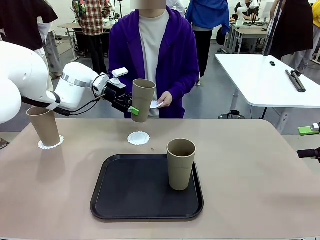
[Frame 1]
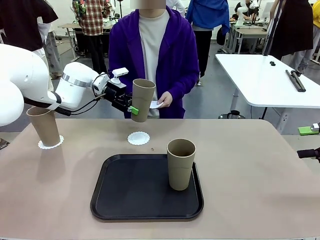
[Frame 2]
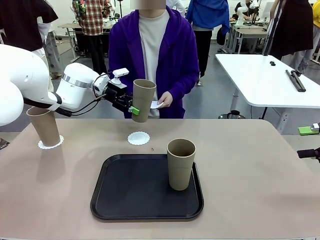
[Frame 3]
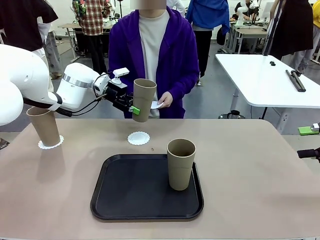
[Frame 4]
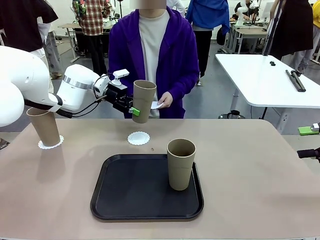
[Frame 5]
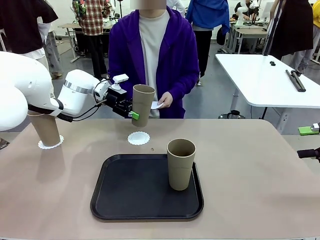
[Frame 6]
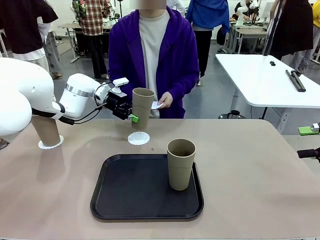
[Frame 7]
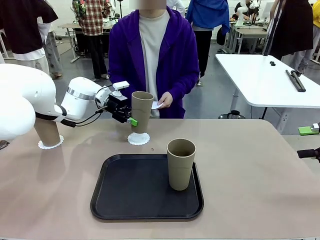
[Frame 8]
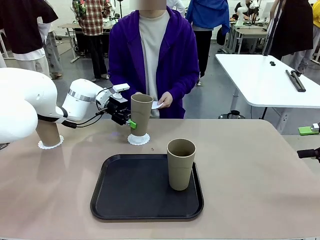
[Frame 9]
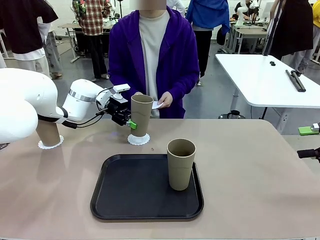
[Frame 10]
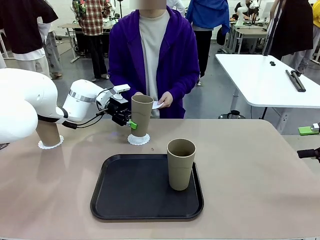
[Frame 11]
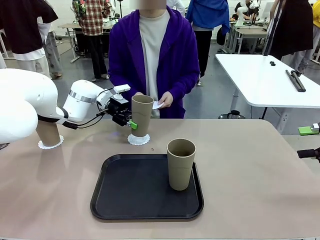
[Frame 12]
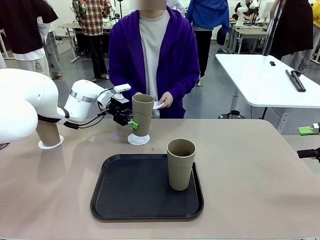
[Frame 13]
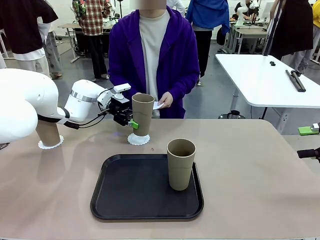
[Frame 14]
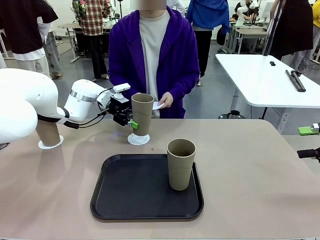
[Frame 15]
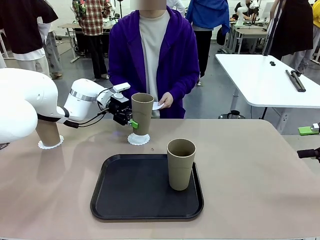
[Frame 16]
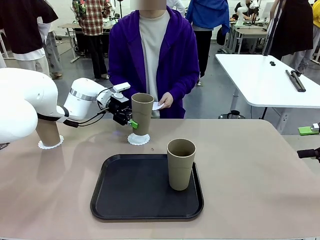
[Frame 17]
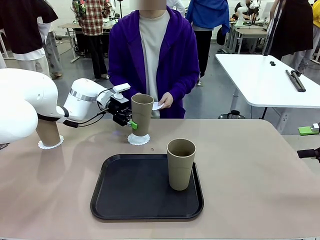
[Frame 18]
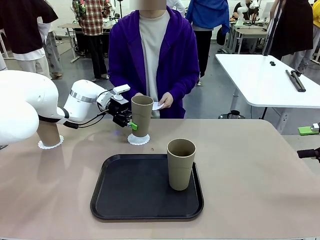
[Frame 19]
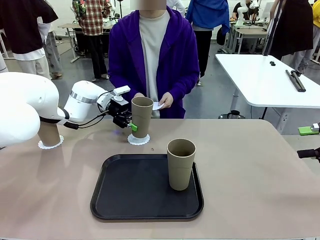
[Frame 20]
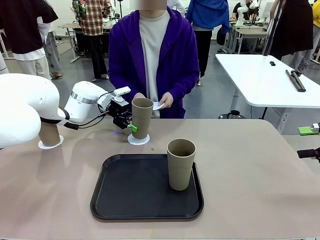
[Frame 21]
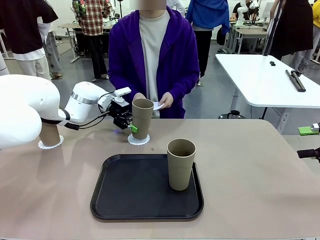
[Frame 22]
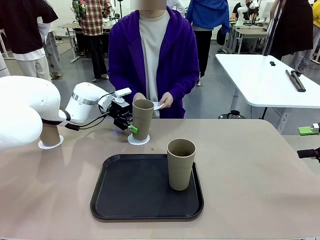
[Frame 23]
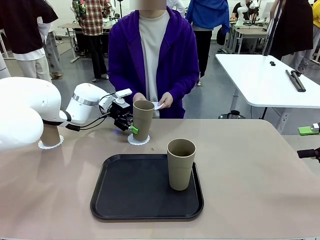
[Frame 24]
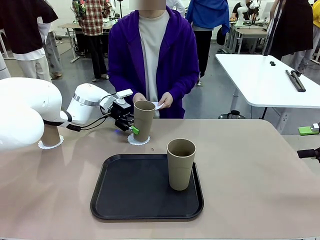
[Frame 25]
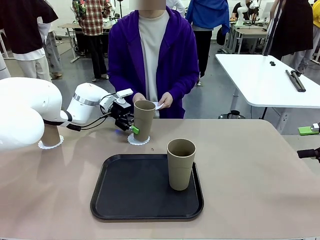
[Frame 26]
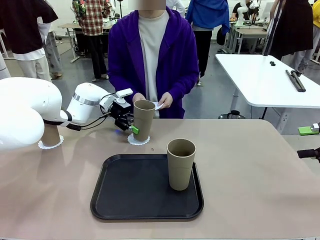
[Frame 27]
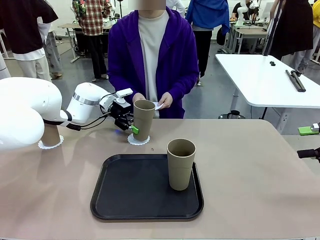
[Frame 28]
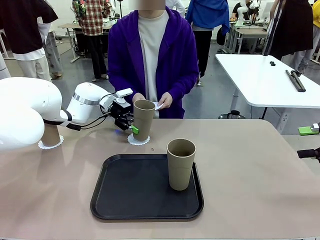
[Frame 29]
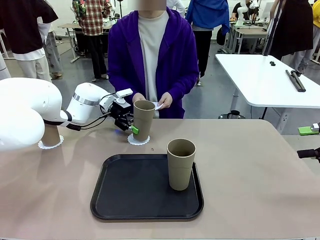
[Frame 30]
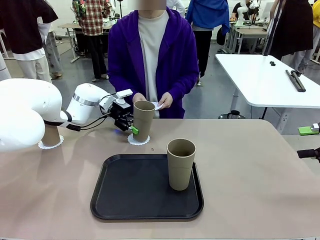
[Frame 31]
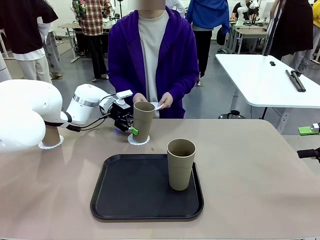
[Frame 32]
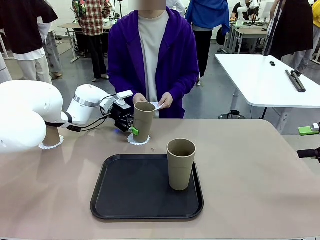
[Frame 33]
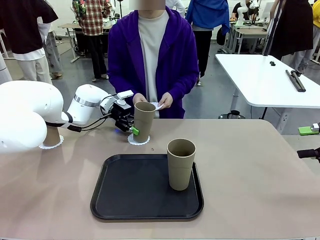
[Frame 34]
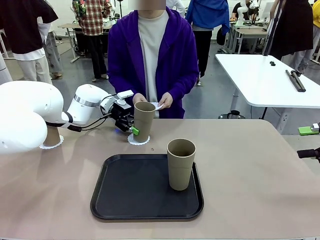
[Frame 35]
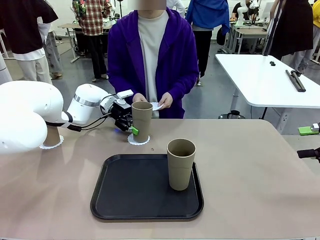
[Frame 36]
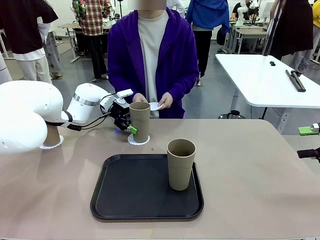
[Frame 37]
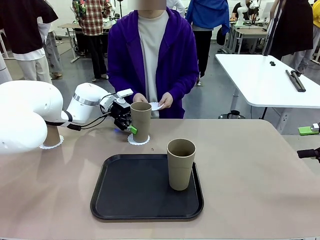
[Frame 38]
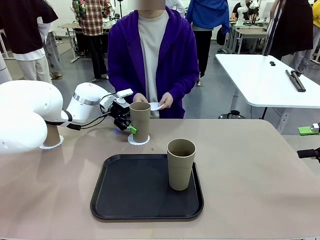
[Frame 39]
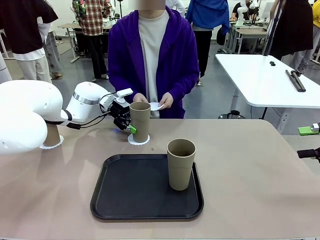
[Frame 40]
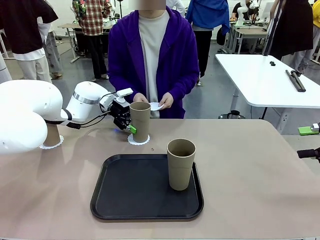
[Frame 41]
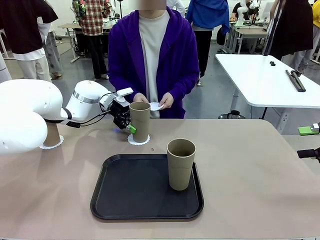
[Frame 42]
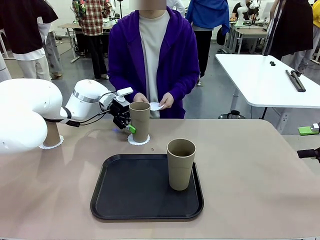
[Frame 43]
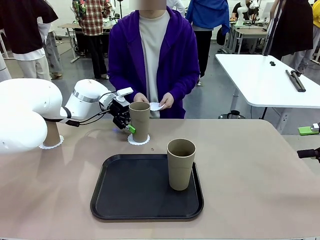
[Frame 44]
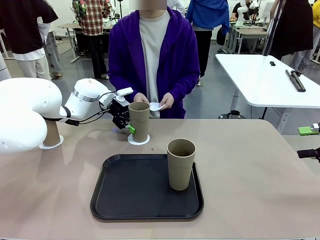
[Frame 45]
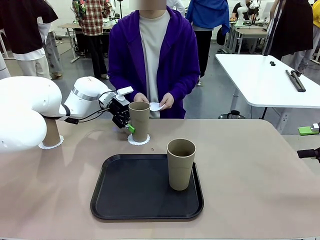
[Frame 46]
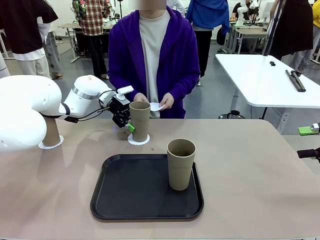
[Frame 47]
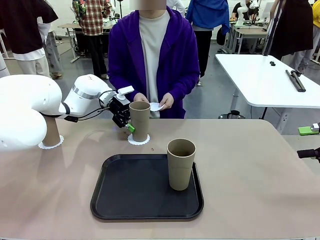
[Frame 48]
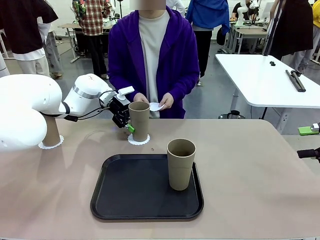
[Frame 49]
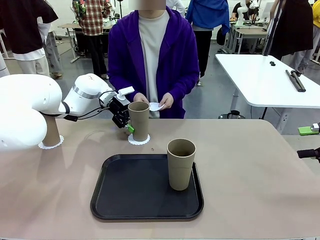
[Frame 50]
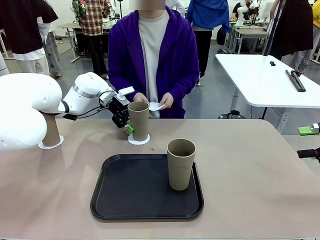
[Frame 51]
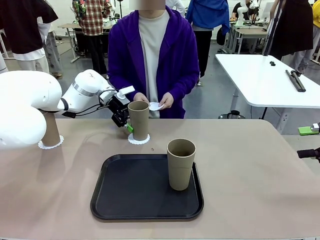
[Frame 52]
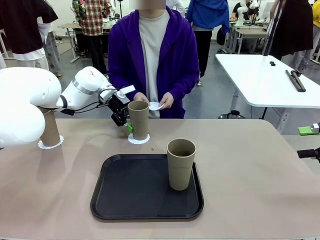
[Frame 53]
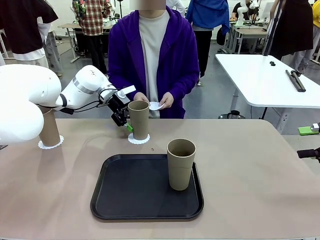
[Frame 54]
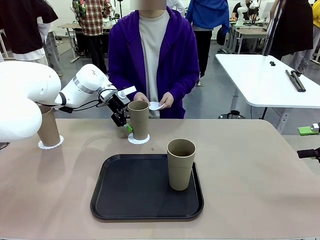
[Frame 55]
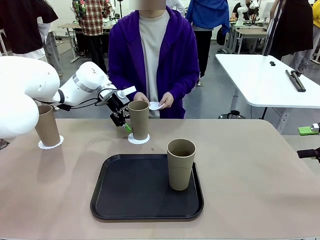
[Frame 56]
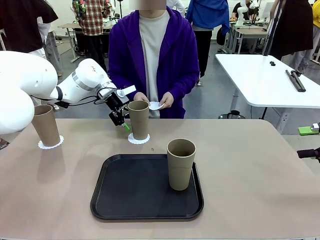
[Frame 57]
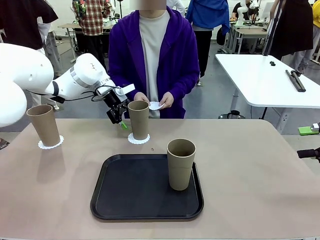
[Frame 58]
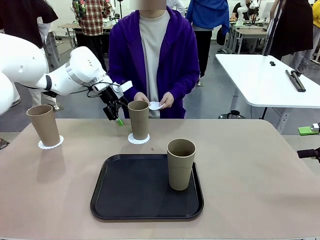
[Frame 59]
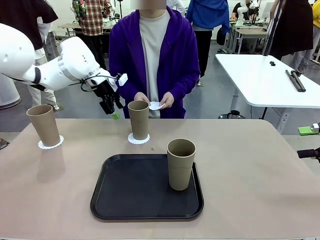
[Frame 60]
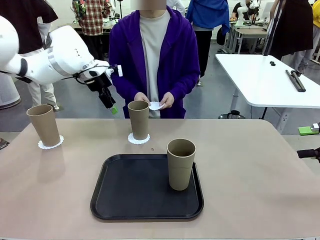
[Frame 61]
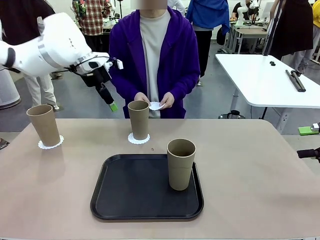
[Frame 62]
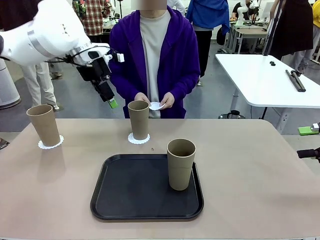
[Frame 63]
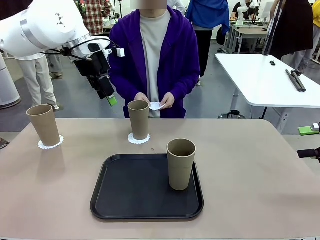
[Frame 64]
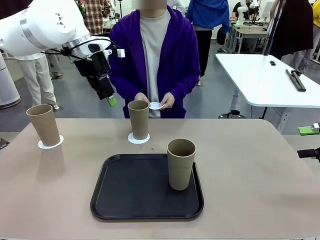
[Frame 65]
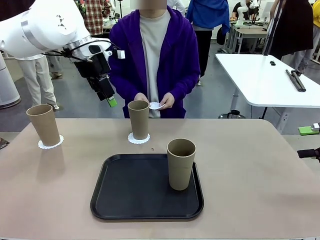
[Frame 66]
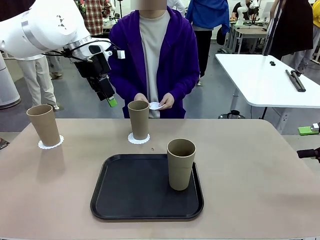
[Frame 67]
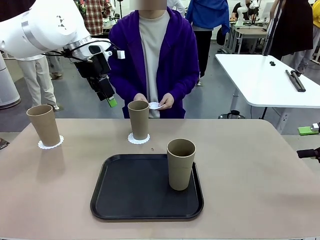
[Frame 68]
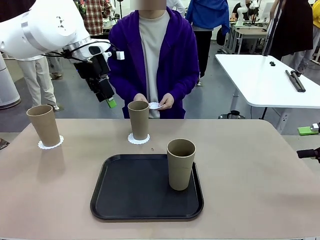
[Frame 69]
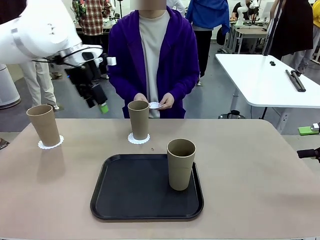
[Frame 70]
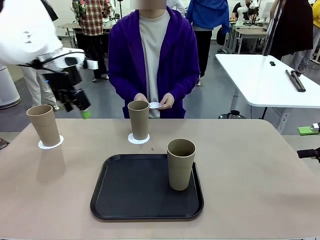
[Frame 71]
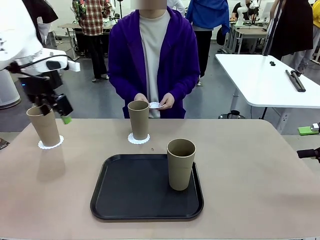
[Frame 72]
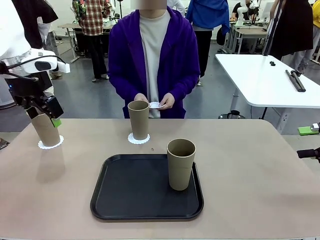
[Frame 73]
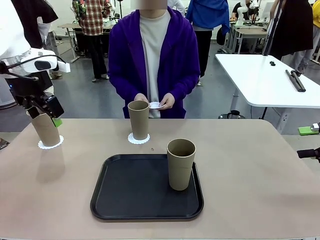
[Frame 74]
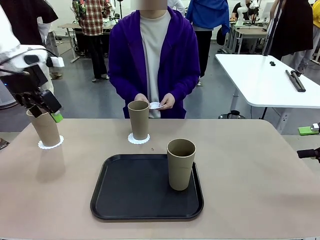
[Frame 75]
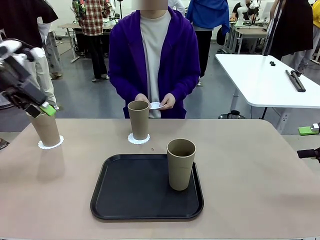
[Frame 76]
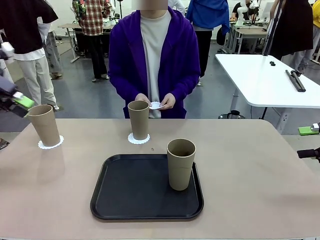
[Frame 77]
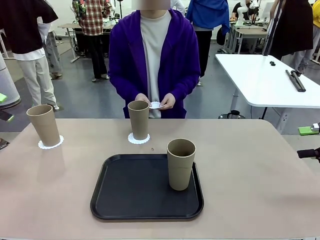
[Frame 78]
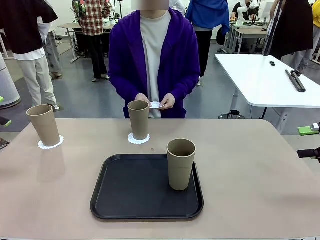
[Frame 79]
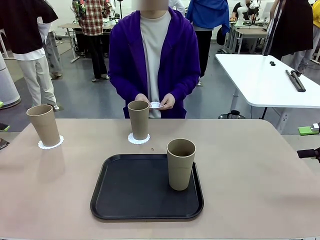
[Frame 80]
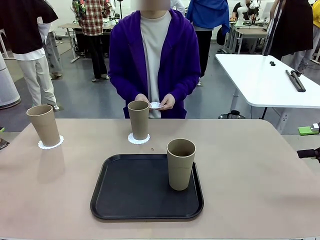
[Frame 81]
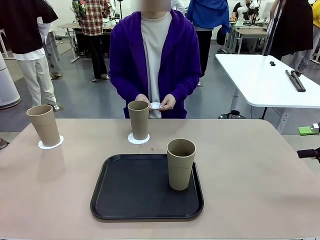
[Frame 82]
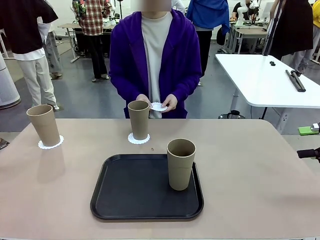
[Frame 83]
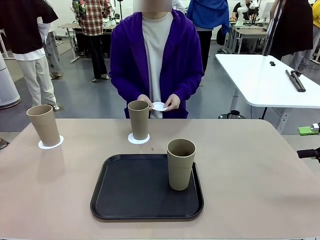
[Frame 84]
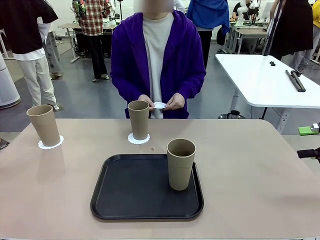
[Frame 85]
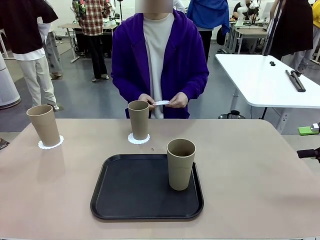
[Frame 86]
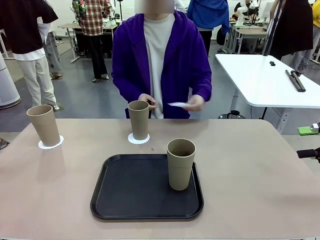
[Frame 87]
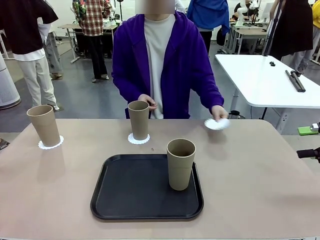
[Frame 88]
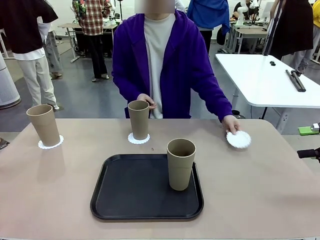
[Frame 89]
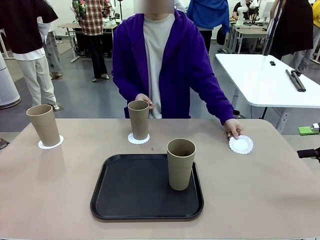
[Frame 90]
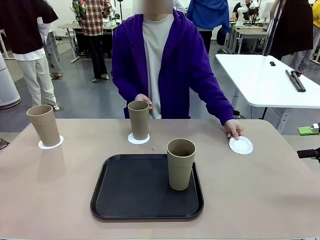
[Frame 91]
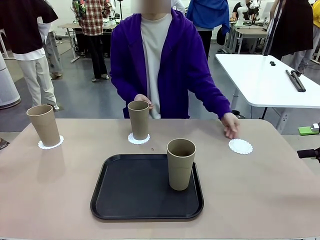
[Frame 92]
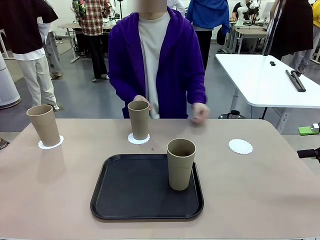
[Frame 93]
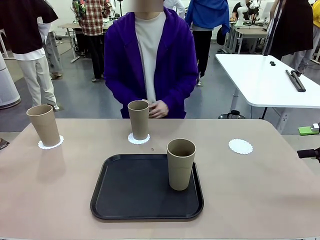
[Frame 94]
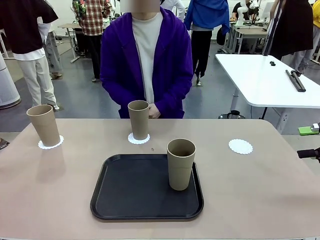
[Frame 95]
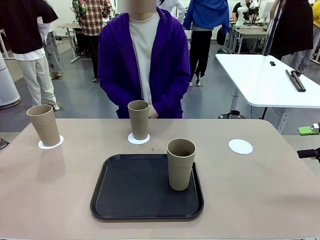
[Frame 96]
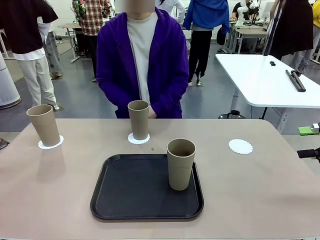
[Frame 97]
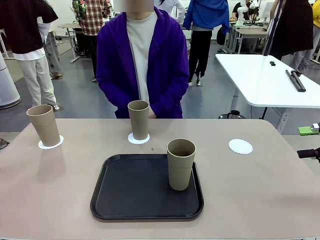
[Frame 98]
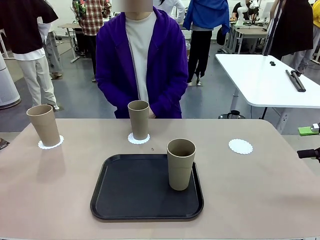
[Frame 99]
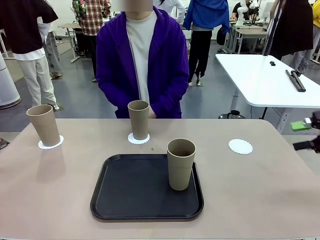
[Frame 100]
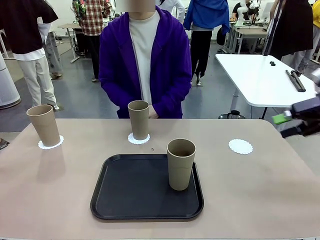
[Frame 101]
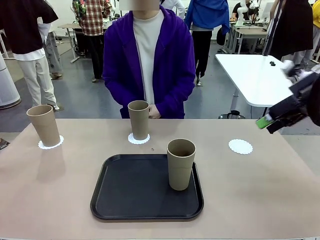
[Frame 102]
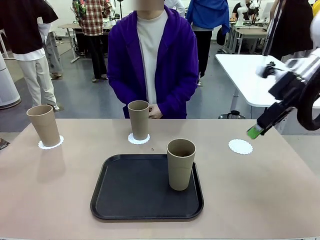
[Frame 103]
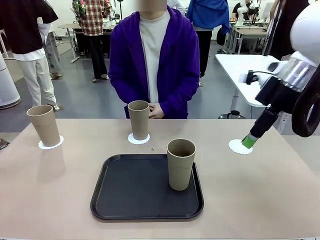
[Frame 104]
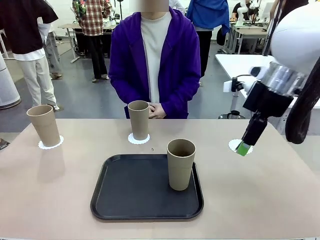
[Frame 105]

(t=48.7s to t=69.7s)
Task: Place coasters on the table and set cups on them.
Robot: Take one Reusable plastic cup from the Flat Tray and place it on a coaster set by the human.
